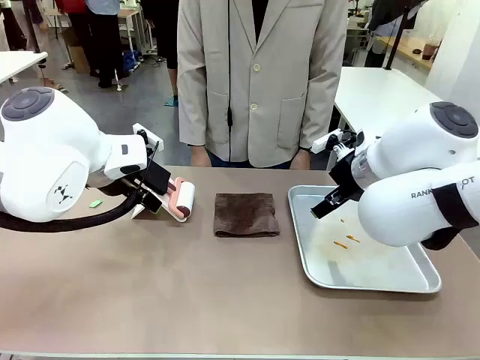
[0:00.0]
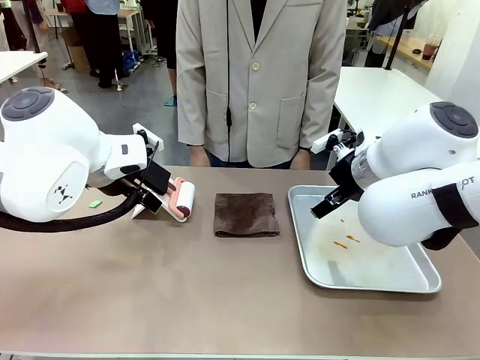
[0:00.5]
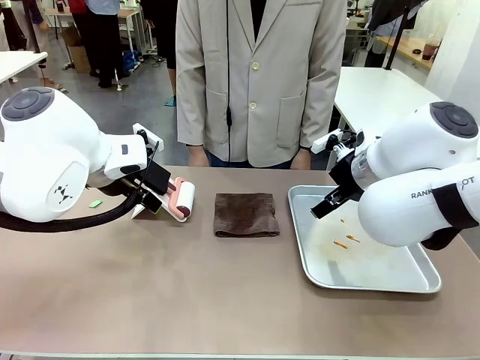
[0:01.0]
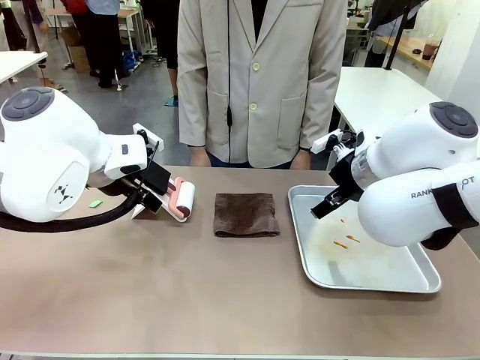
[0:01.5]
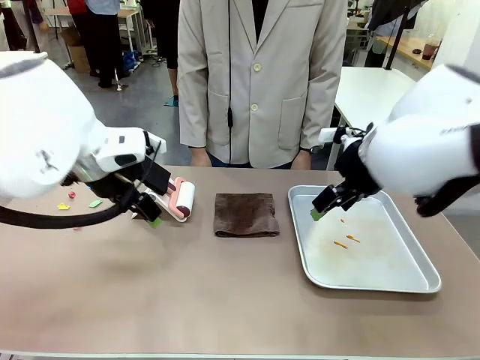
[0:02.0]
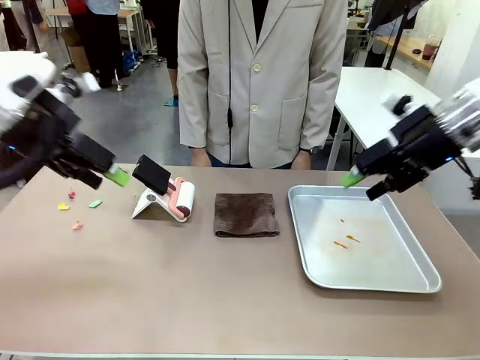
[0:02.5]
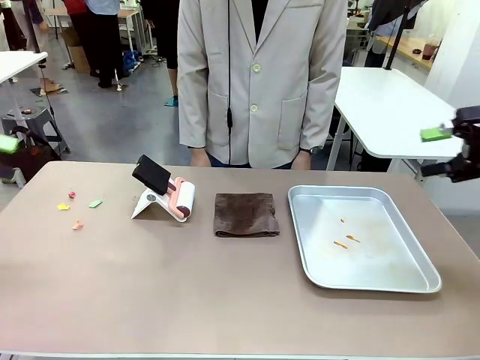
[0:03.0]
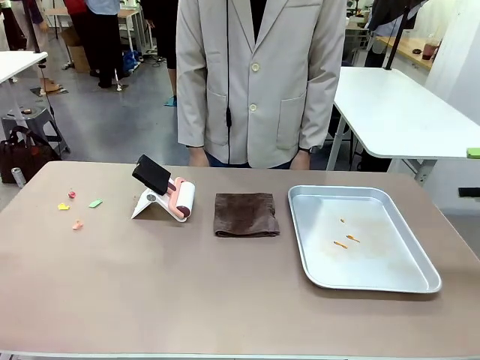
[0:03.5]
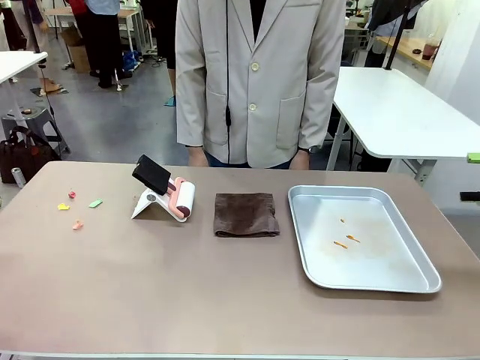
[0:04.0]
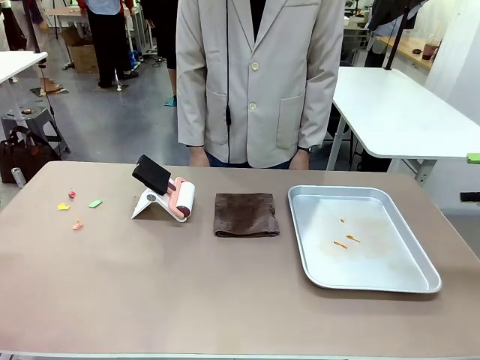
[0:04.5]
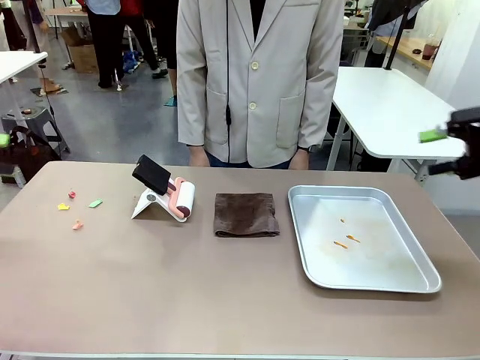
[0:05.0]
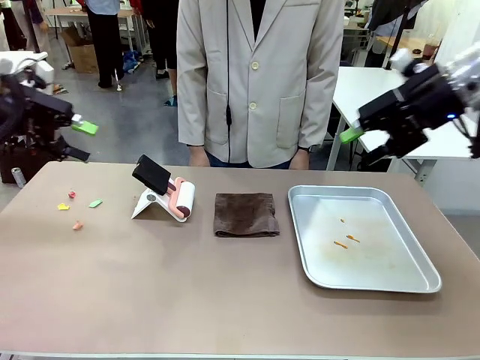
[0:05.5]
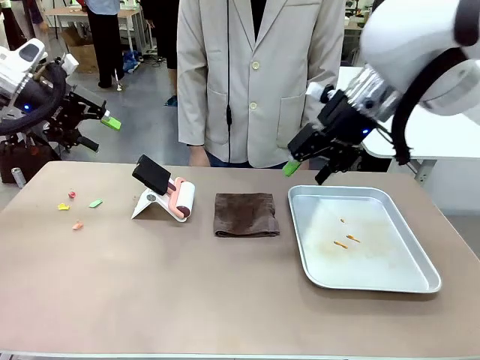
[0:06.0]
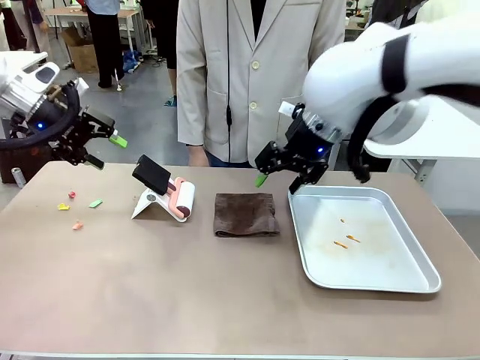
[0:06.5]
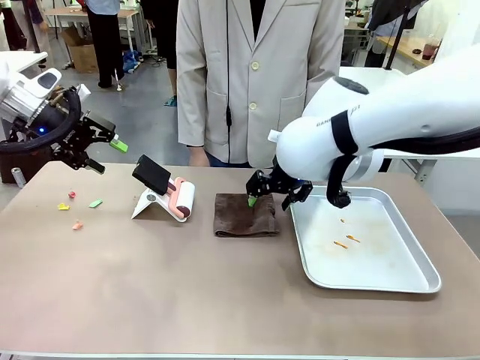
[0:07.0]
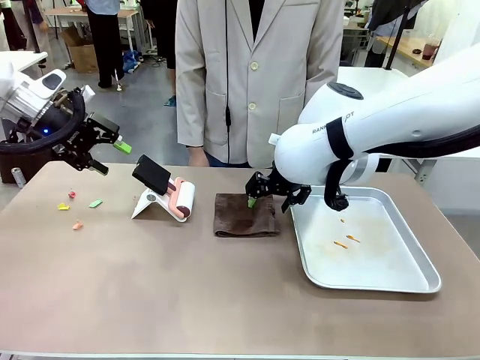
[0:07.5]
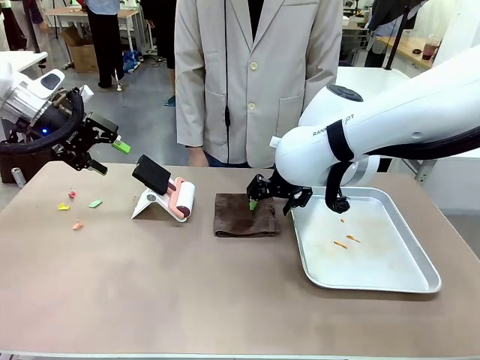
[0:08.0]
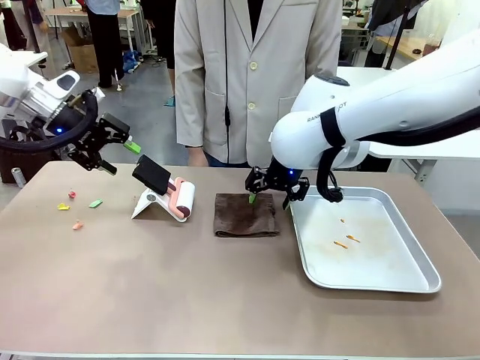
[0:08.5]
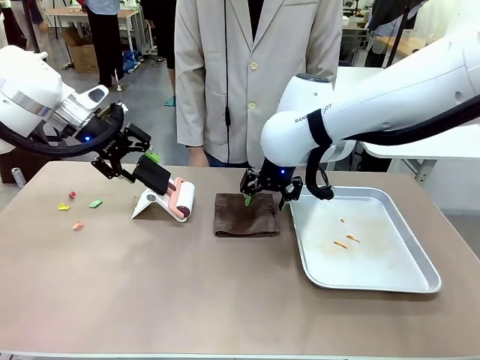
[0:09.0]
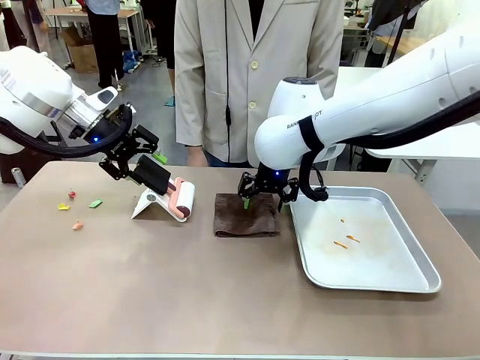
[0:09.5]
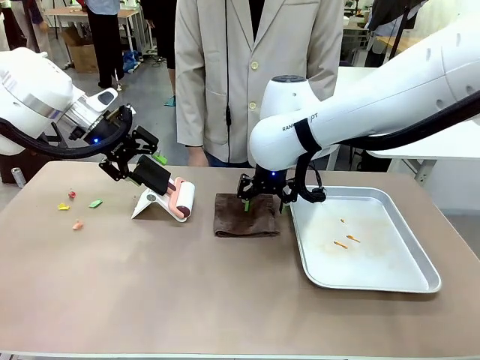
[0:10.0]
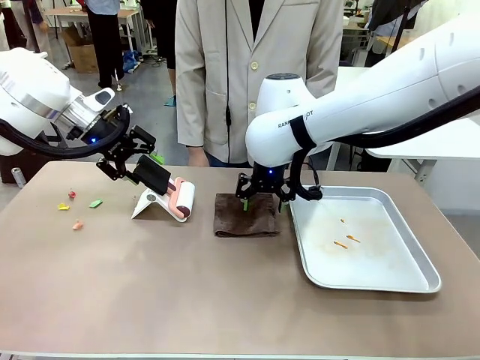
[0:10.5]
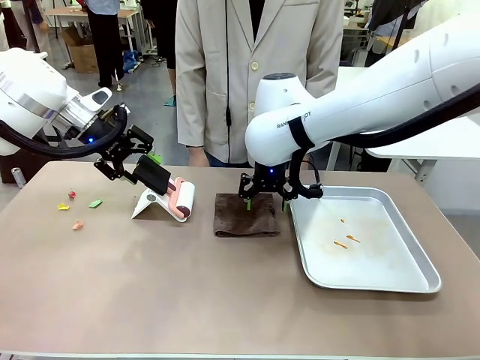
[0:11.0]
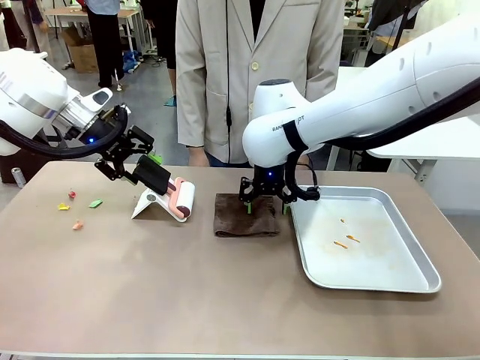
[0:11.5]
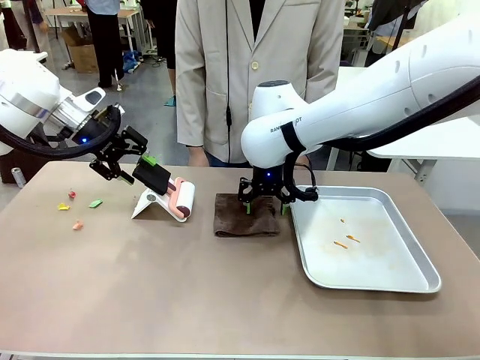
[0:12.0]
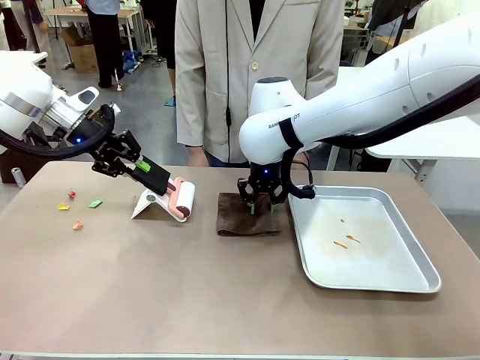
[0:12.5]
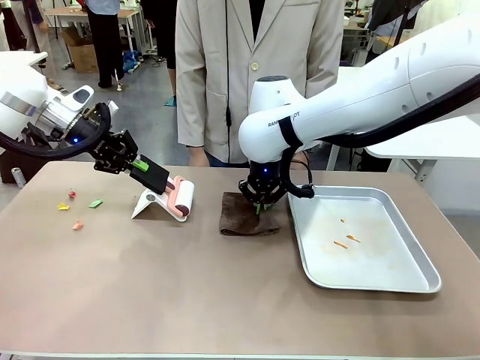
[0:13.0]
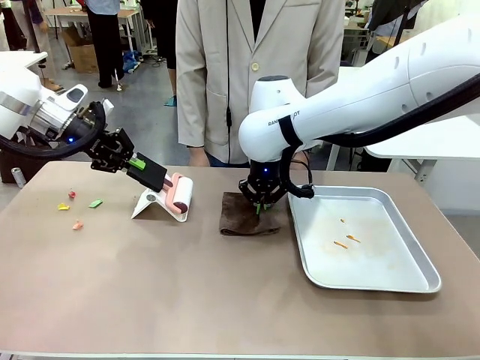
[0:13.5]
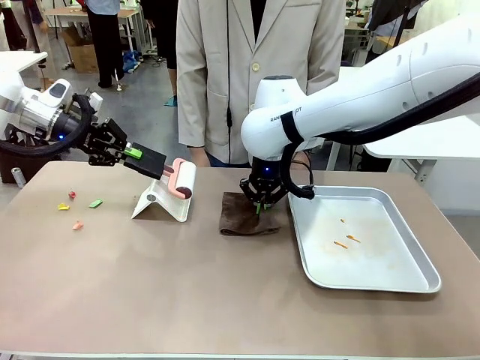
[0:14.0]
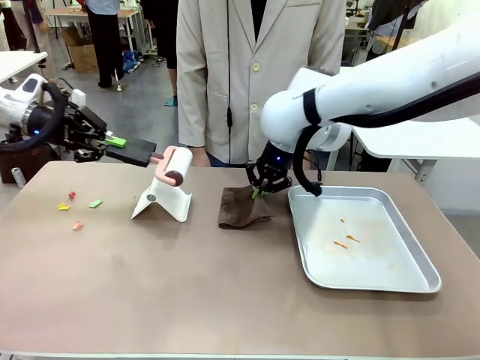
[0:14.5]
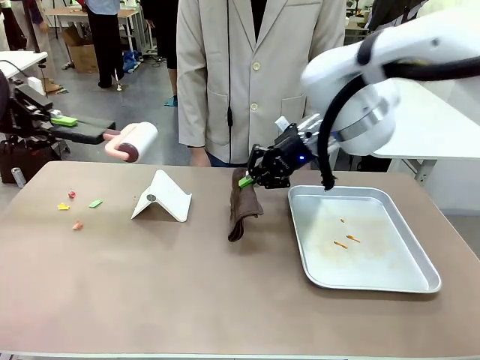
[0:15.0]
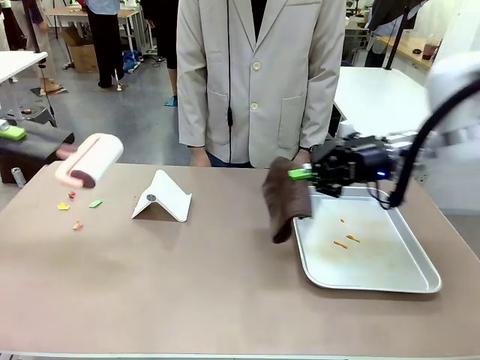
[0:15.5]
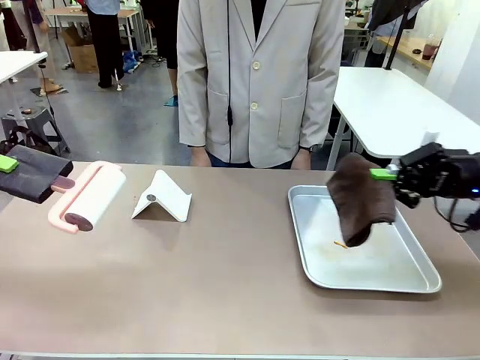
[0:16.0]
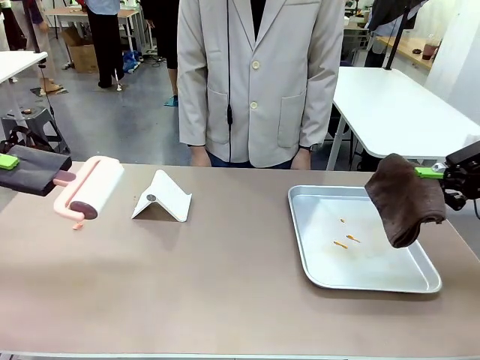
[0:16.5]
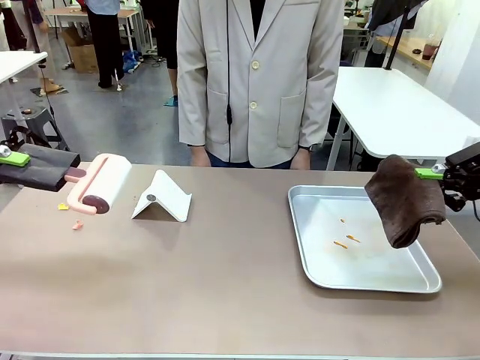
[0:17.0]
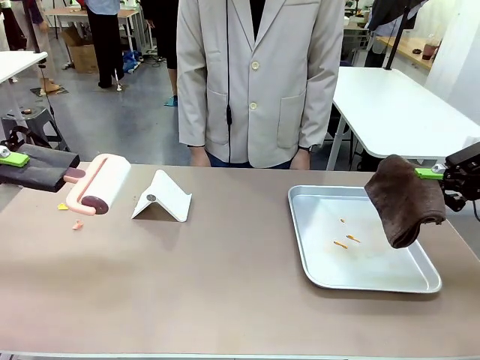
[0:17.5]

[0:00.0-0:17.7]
Task: Clean the surface of the table.
Robot: Hold the Lint Roller with your left hand and the towel with your right hand.
